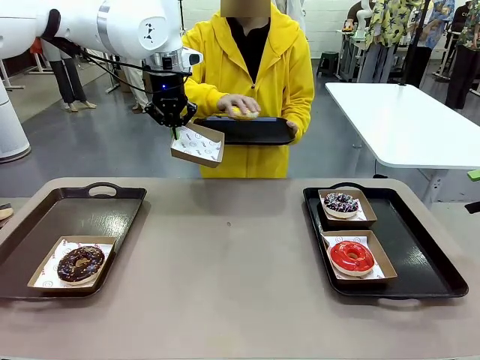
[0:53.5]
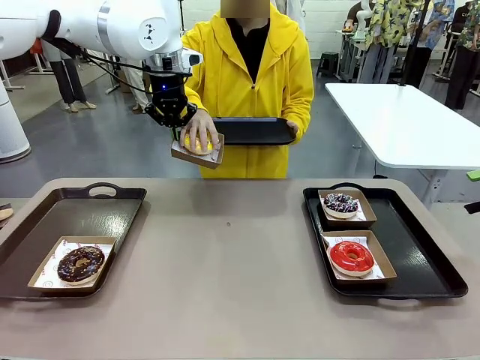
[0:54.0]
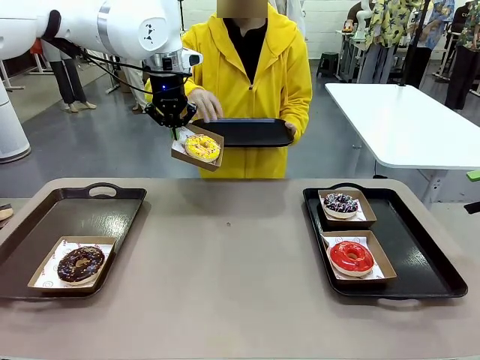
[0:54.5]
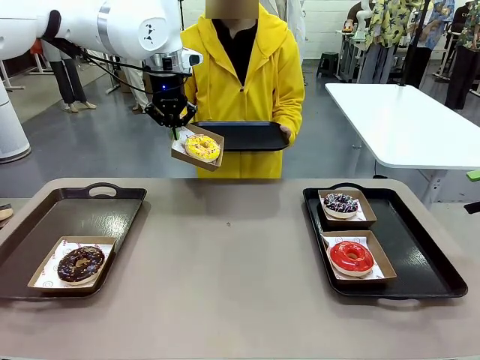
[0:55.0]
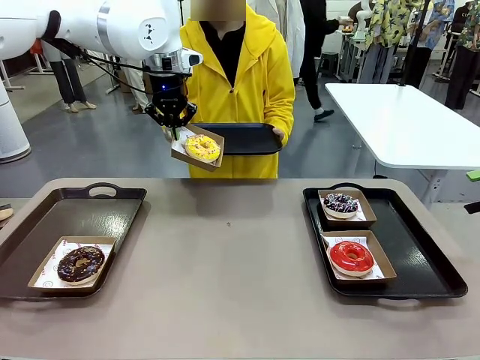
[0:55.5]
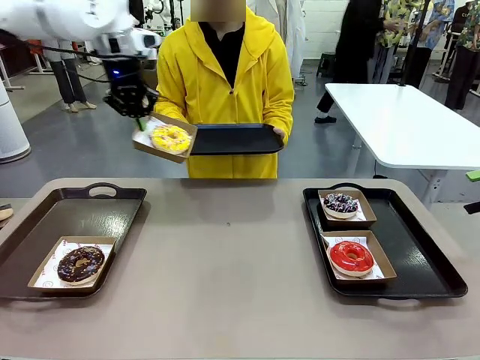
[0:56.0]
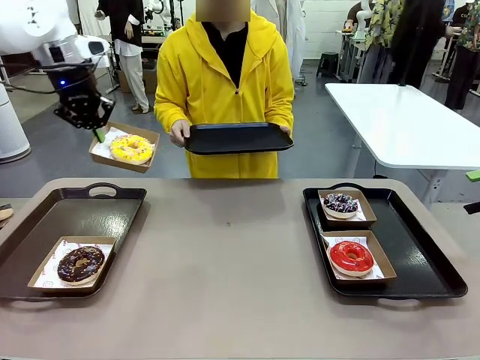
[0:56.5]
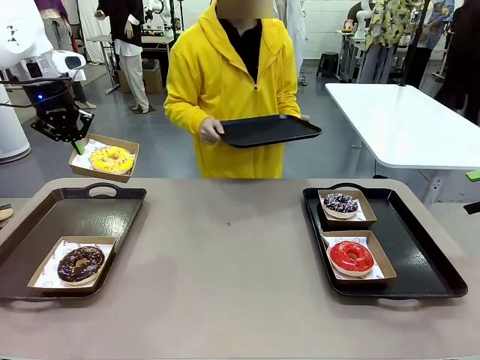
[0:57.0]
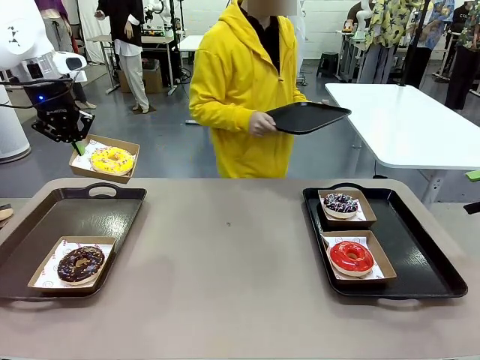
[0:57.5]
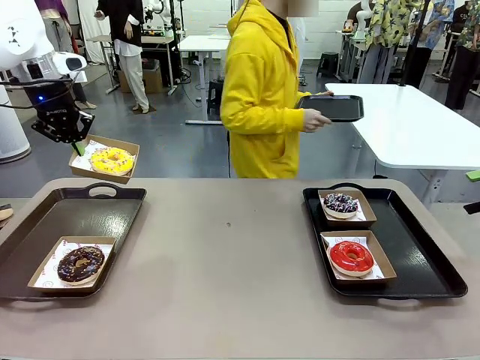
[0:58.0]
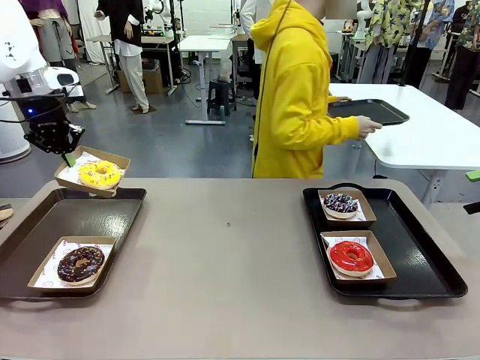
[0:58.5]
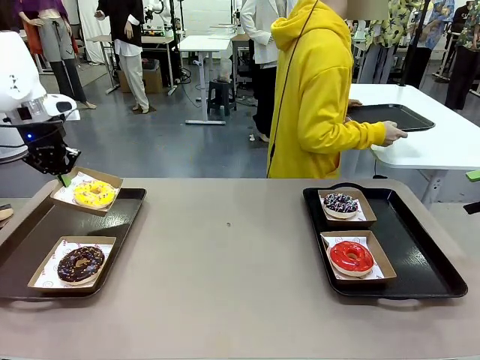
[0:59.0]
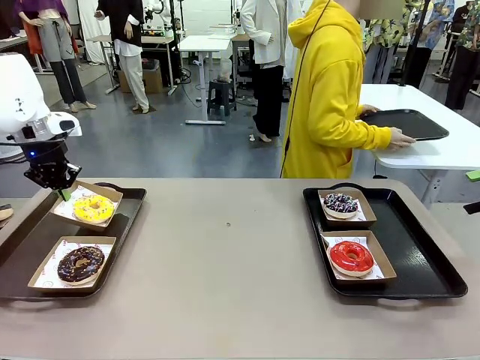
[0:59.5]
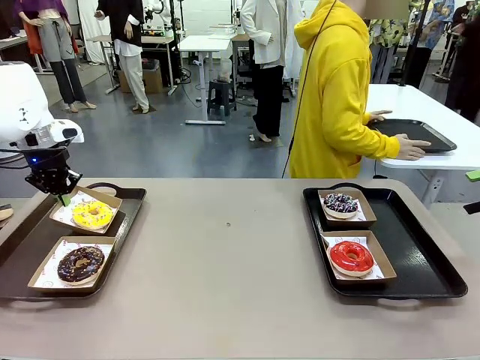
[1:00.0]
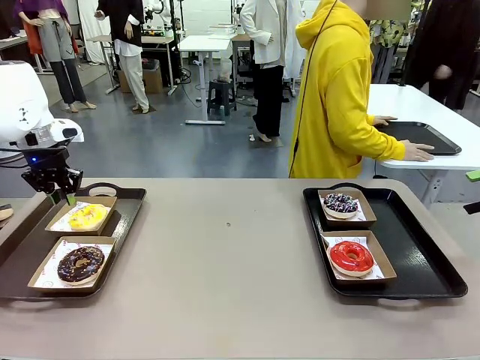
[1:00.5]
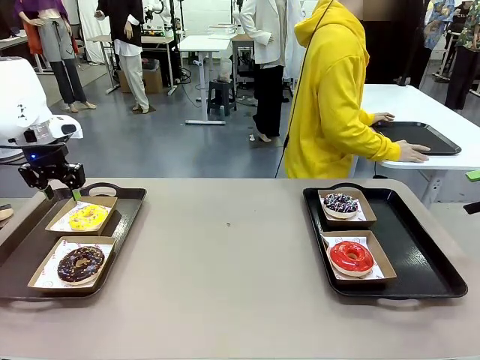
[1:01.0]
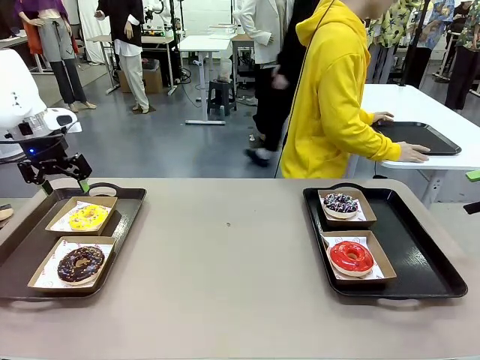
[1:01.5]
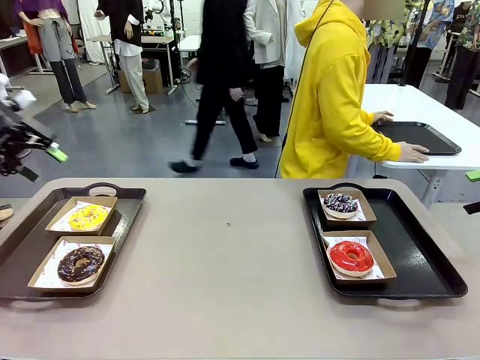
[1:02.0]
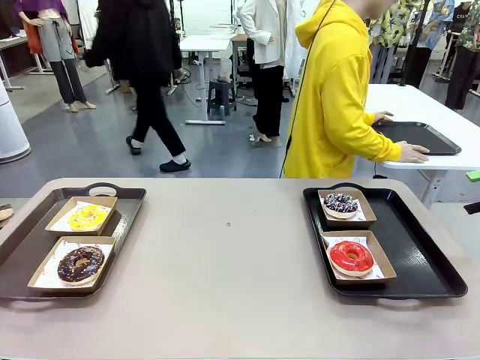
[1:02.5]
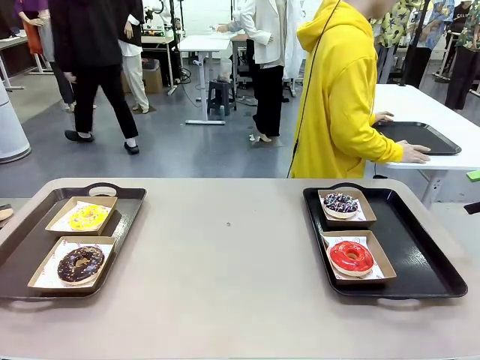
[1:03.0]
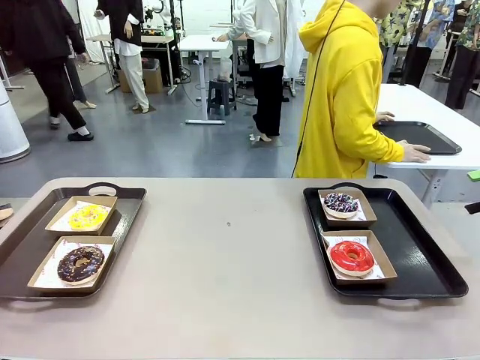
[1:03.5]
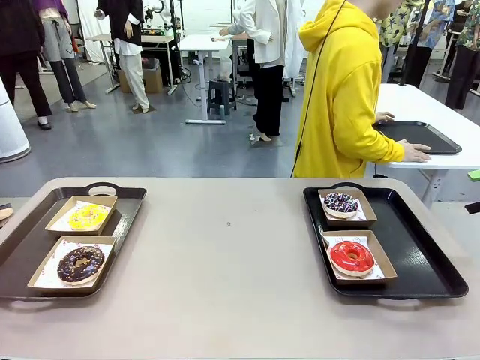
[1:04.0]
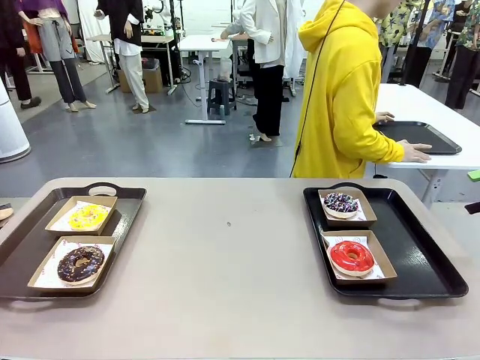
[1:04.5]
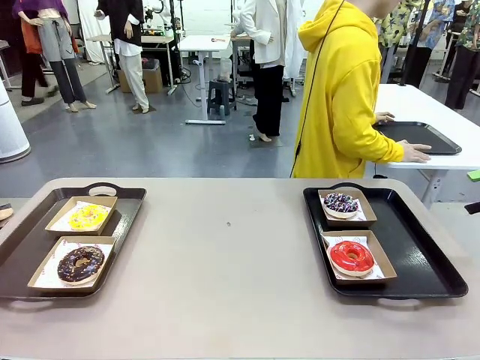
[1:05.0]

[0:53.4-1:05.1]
Task: Individually package the donuts and arrange them on the tray.
Robot: Place the picked Paper togo box on the Handle tray.
Person: Place the tray down in the middle of the human table.

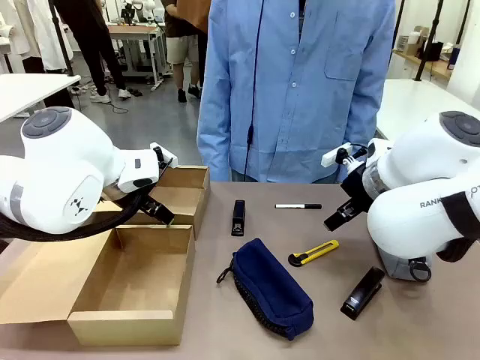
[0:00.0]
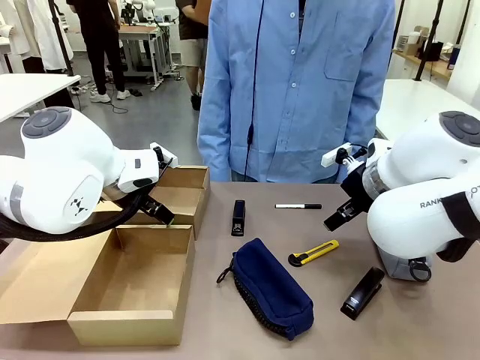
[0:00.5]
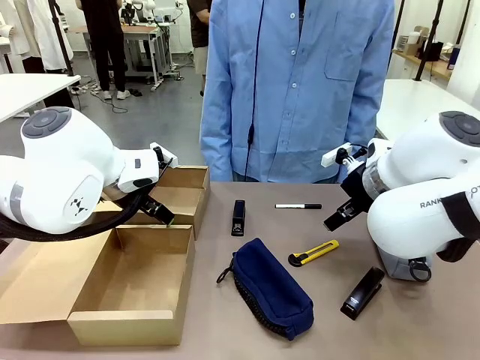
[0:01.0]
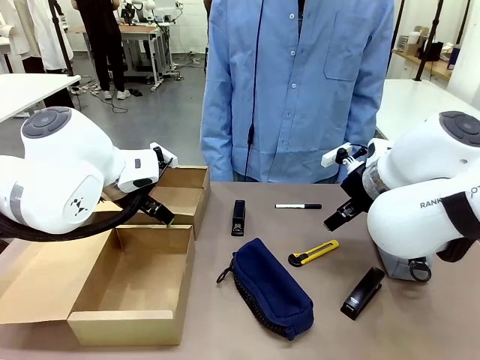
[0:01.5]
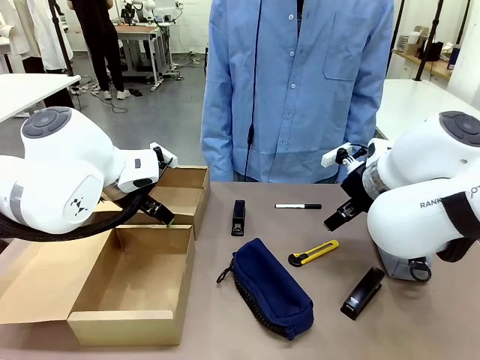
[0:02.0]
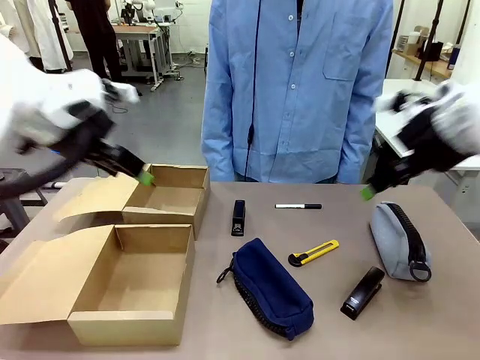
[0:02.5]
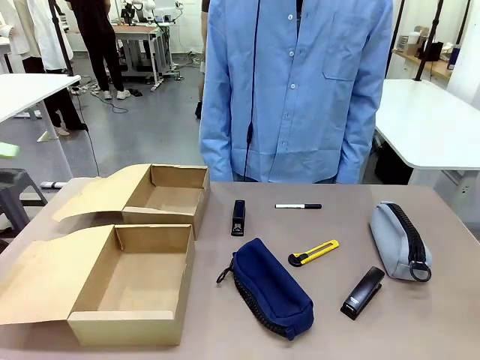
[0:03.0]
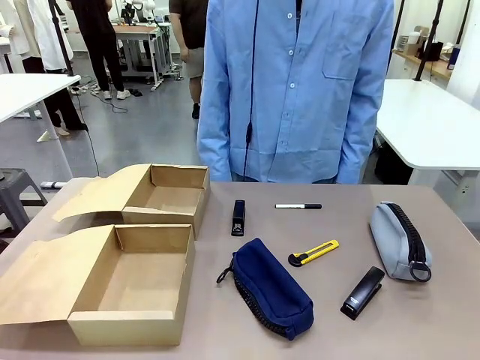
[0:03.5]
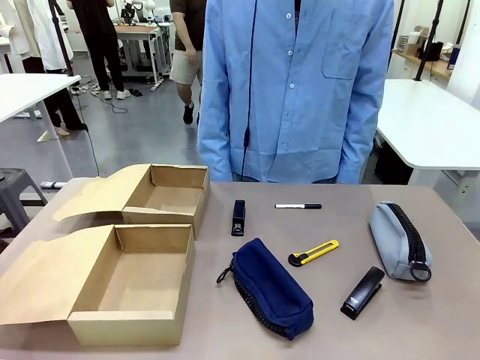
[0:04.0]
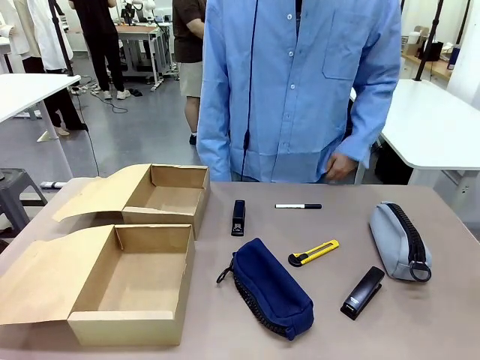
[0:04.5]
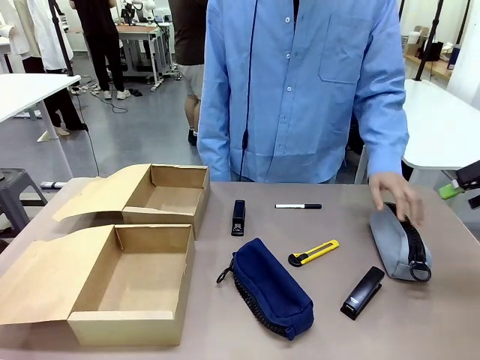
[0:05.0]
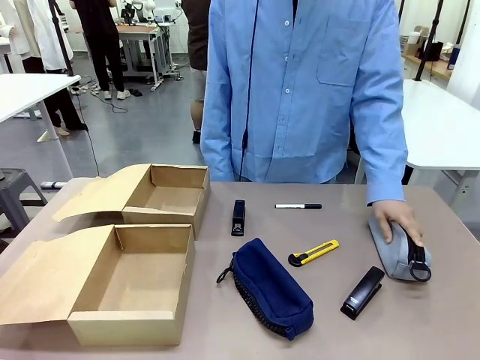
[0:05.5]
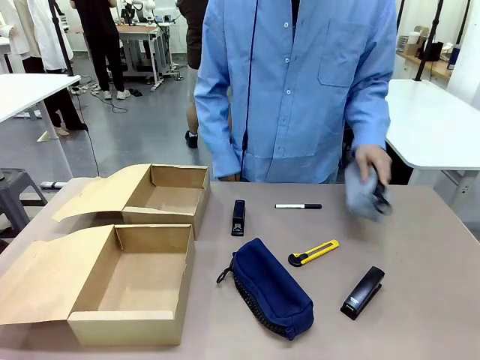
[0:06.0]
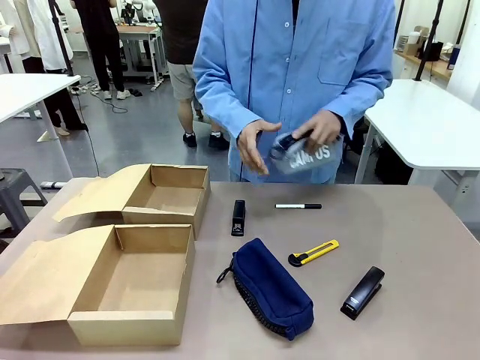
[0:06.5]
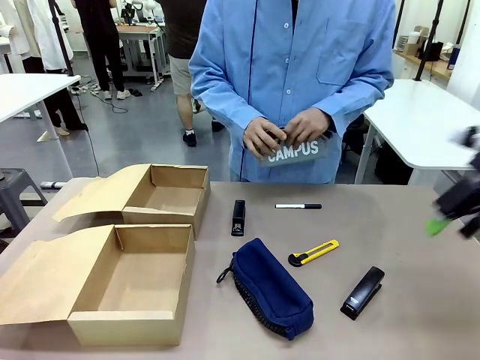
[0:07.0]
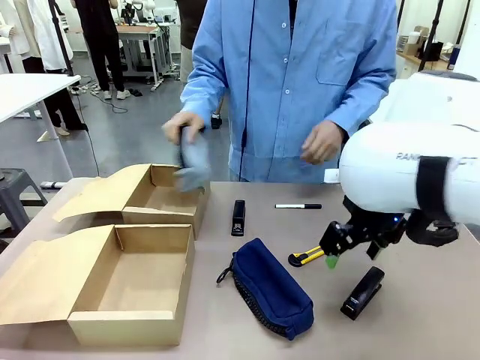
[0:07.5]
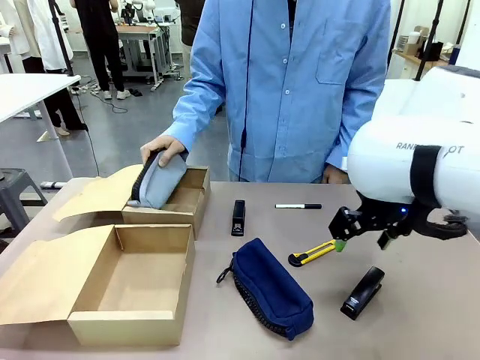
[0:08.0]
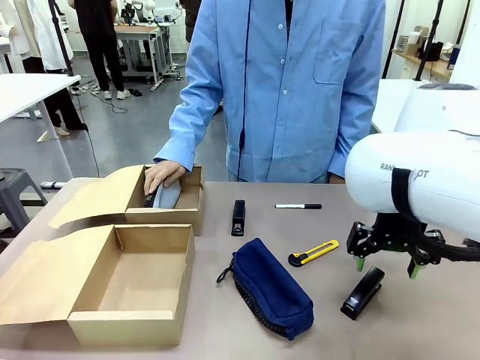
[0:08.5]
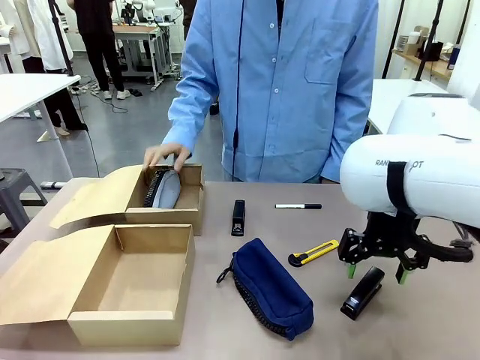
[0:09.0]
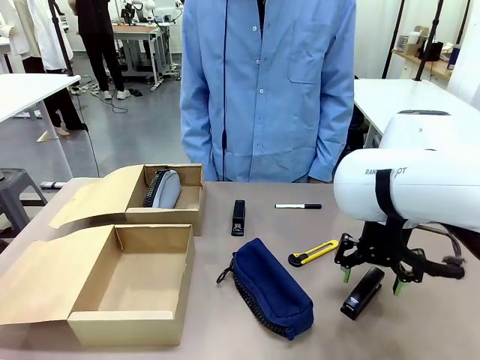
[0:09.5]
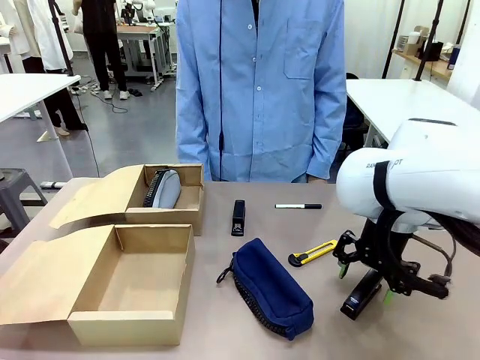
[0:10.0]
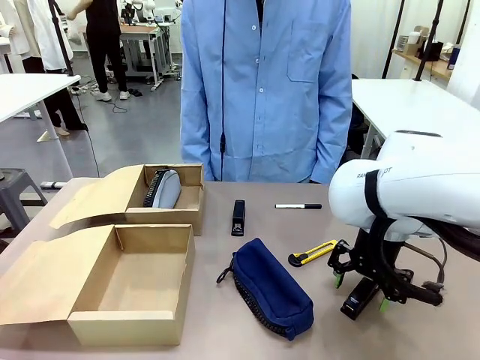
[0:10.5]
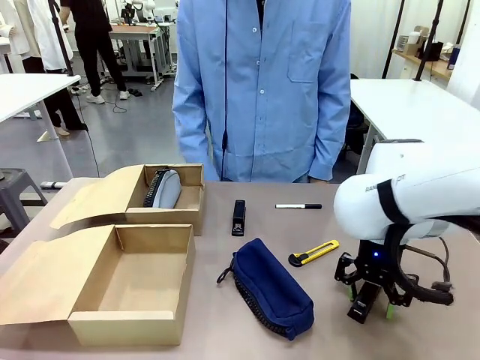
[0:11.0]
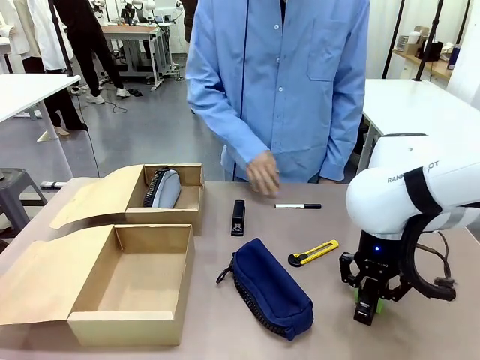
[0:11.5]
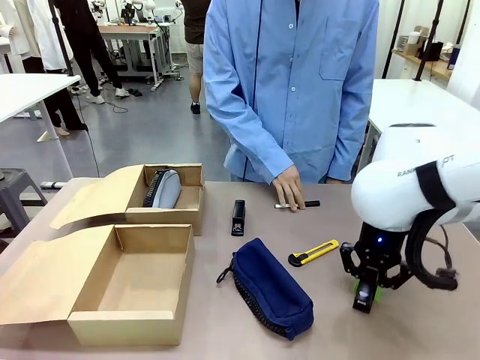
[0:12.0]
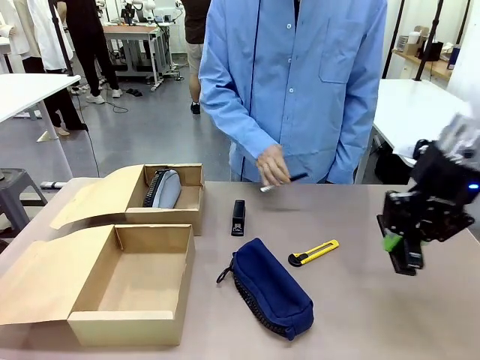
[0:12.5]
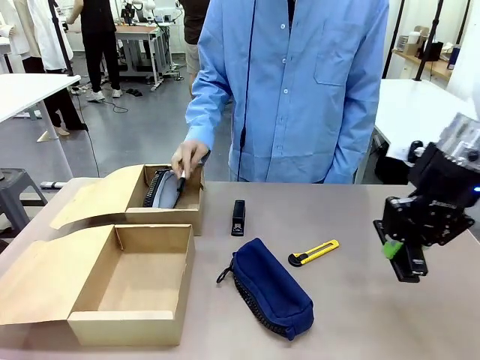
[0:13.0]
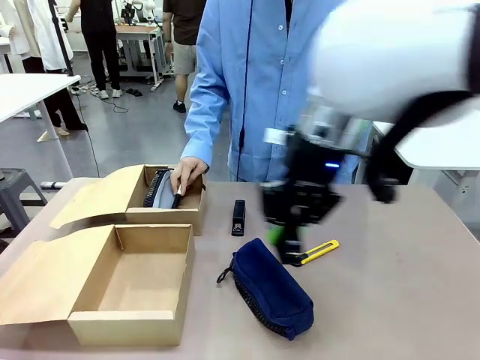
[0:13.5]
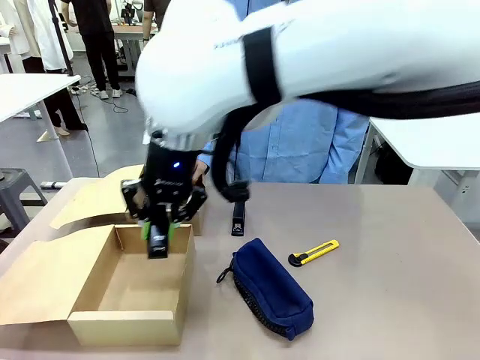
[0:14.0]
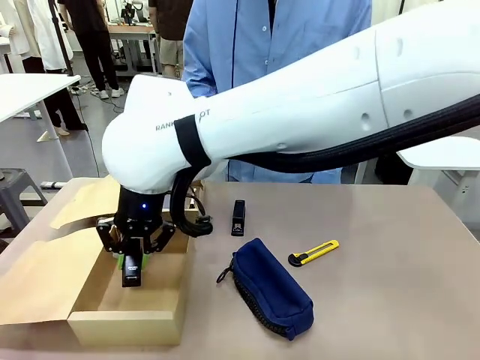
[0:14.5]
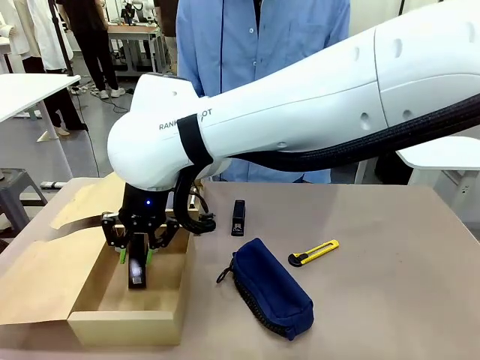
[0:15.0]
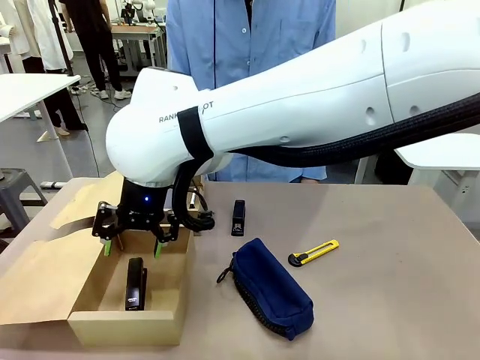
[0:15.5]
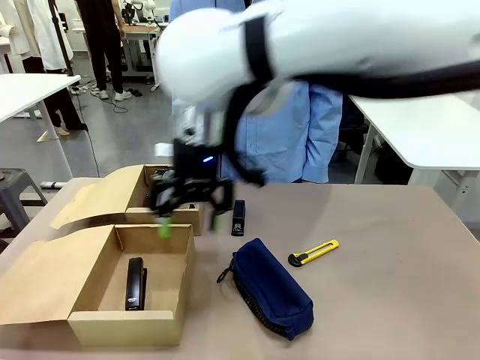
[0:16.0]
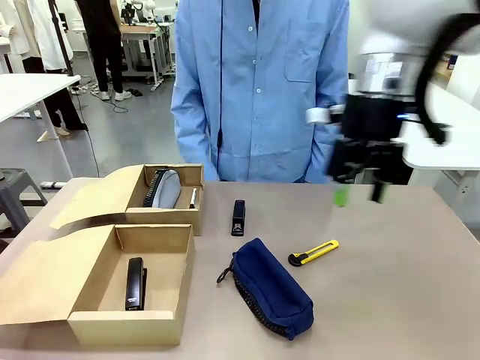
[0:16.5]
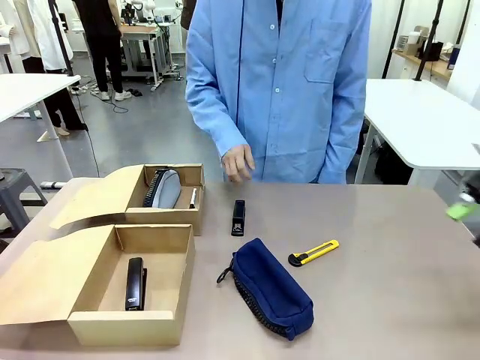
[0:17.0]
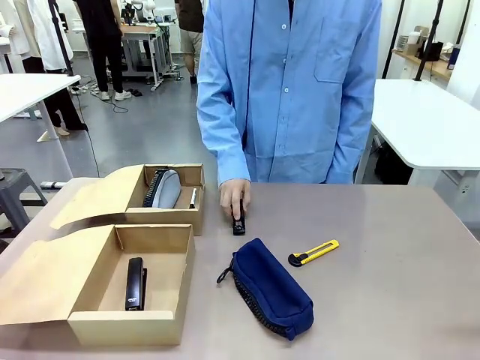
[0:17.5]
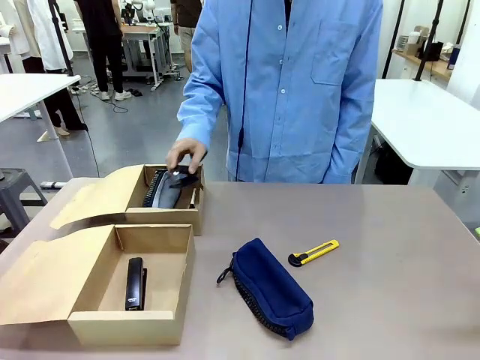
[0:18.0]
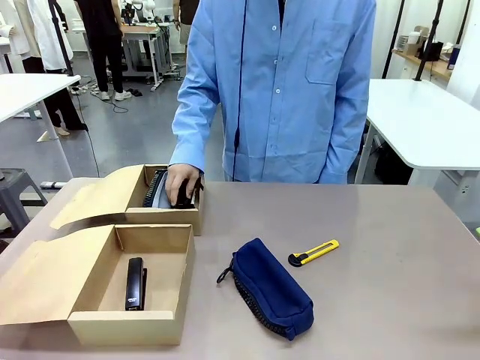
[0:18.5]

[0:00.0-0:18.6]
Task: Place items inside the box.
Robot: Pick up a Pencil pouch or Stapler and place it inside the Mailer Box closest to the robot.
Person: Pick up an object on the table and put it in the box.
